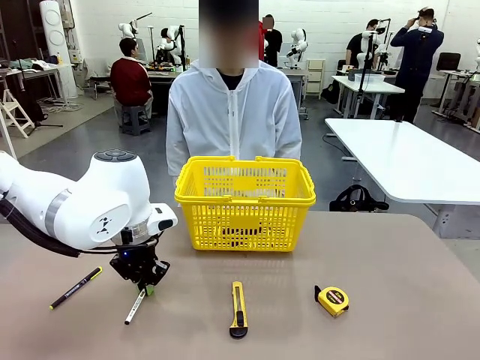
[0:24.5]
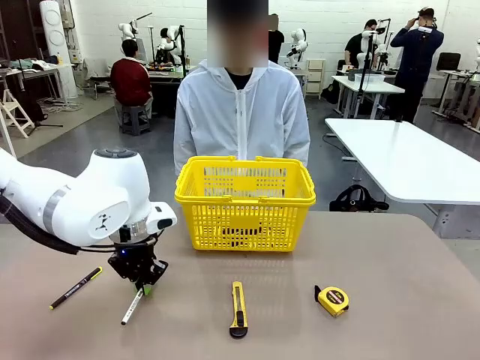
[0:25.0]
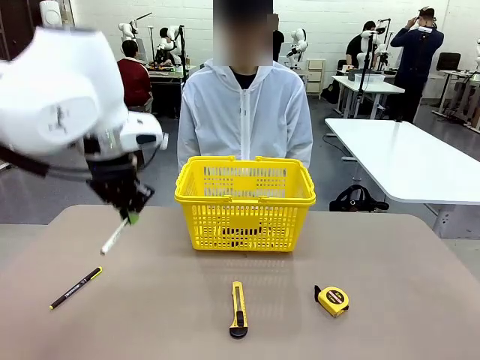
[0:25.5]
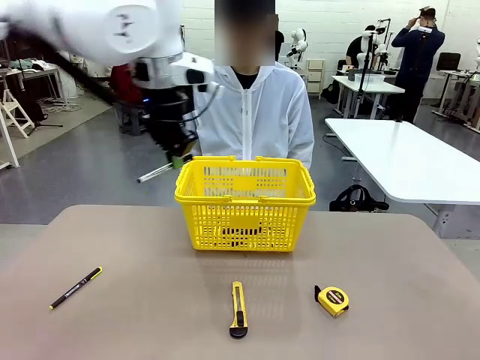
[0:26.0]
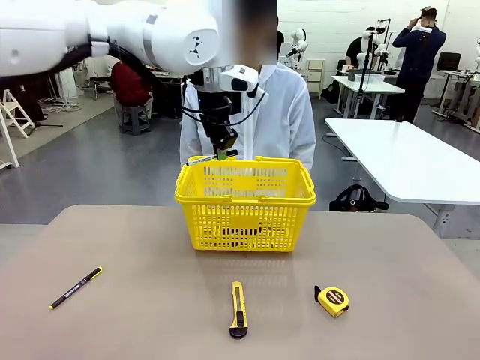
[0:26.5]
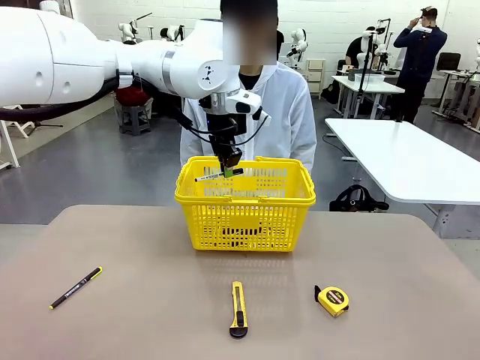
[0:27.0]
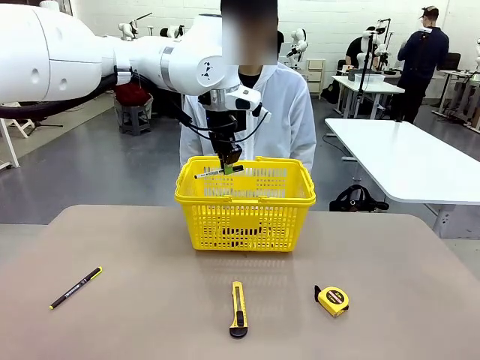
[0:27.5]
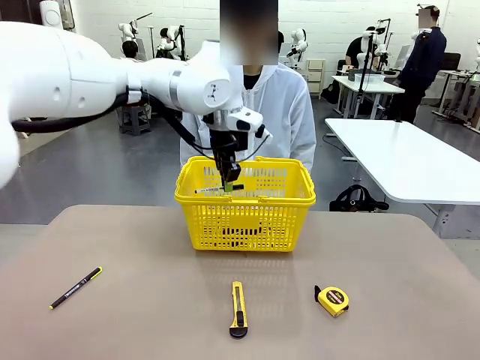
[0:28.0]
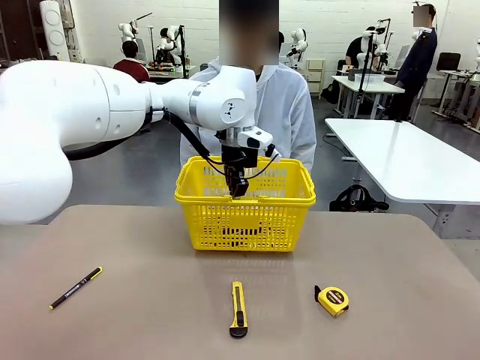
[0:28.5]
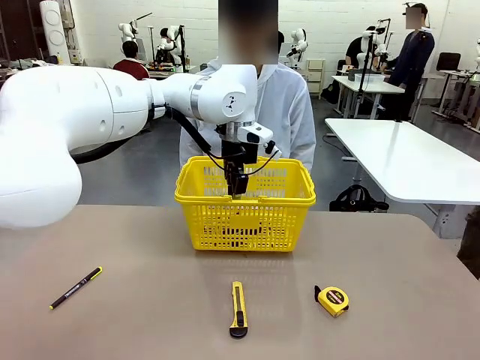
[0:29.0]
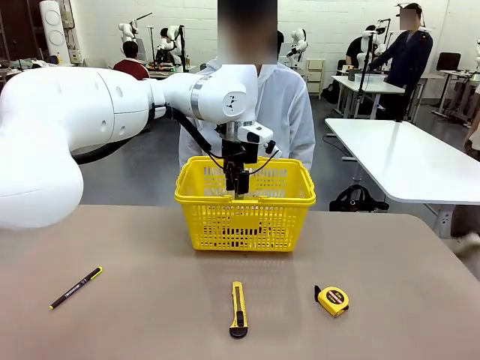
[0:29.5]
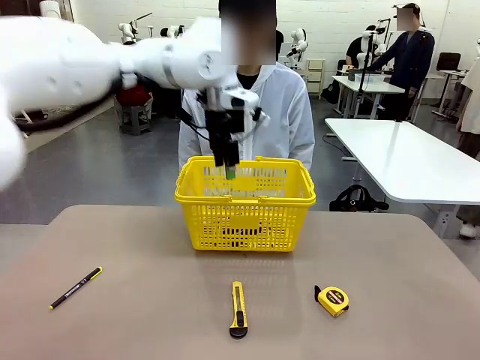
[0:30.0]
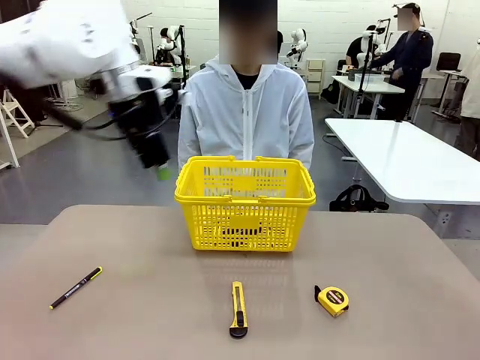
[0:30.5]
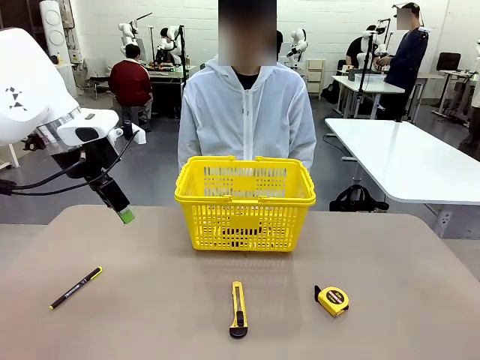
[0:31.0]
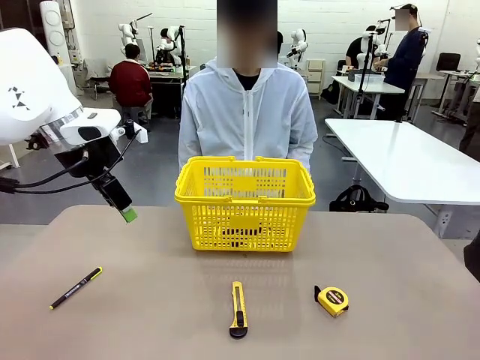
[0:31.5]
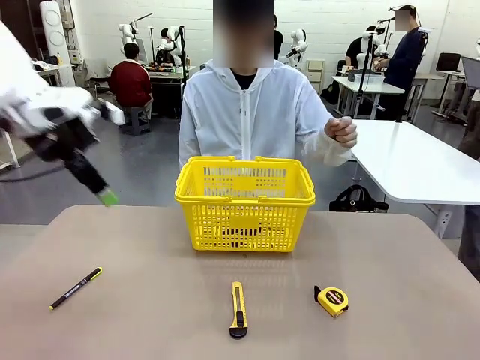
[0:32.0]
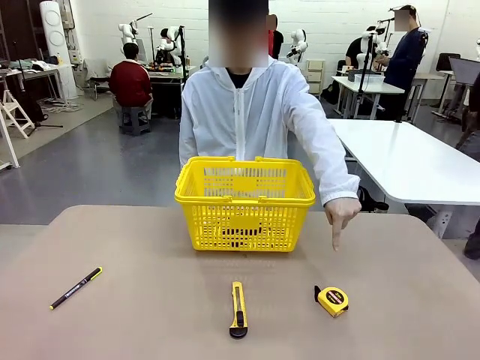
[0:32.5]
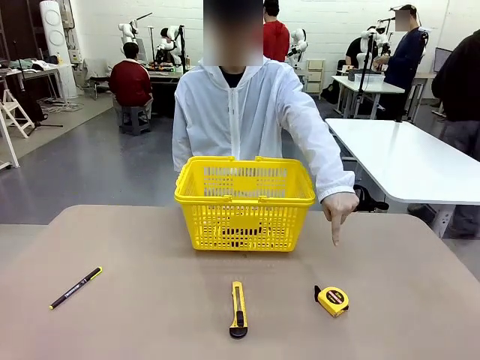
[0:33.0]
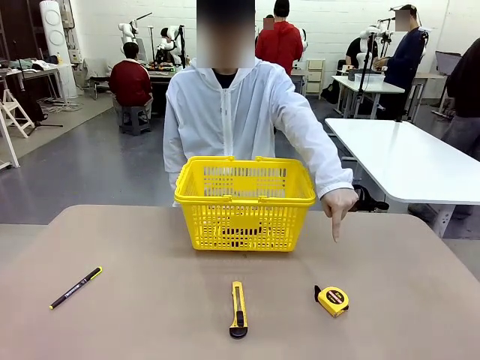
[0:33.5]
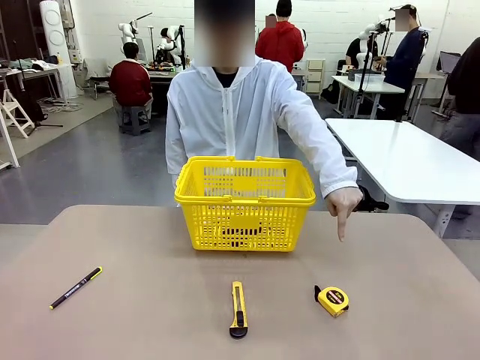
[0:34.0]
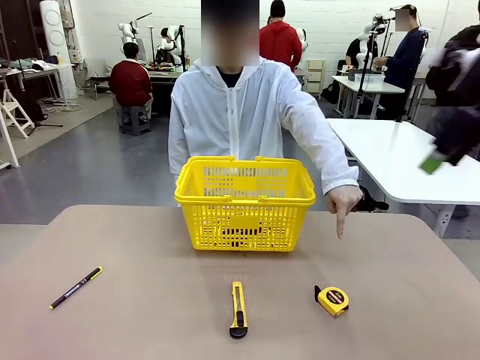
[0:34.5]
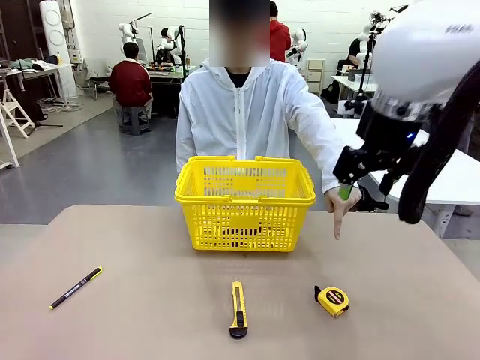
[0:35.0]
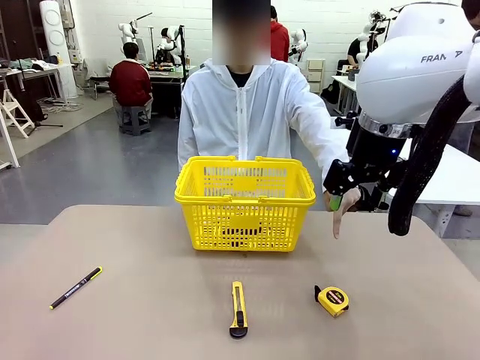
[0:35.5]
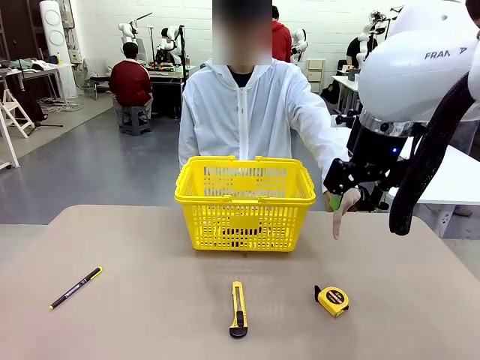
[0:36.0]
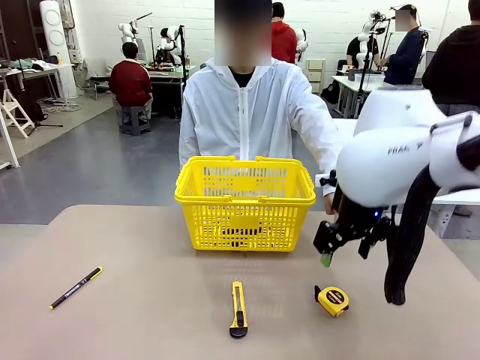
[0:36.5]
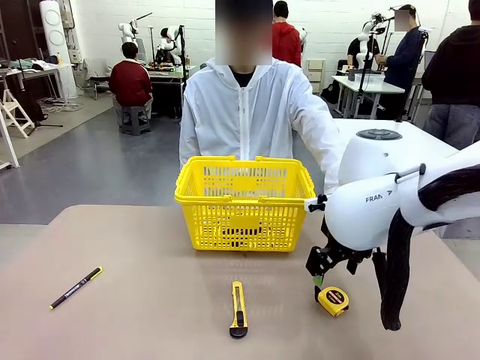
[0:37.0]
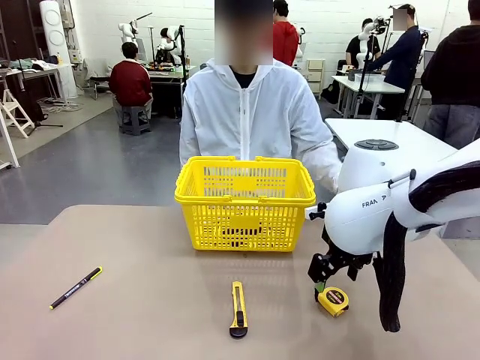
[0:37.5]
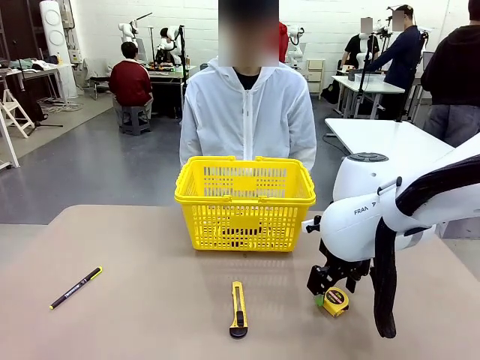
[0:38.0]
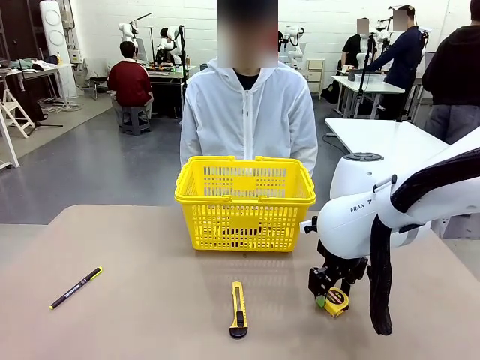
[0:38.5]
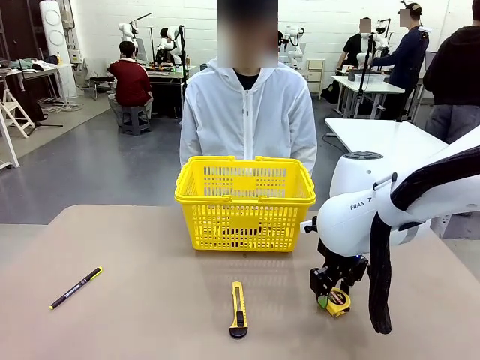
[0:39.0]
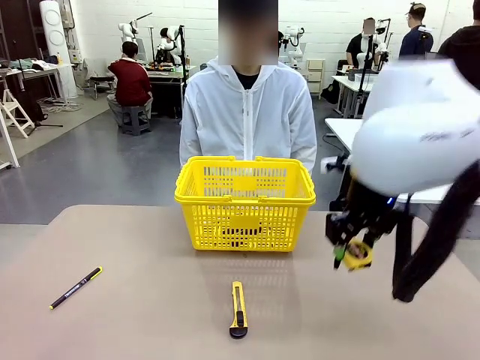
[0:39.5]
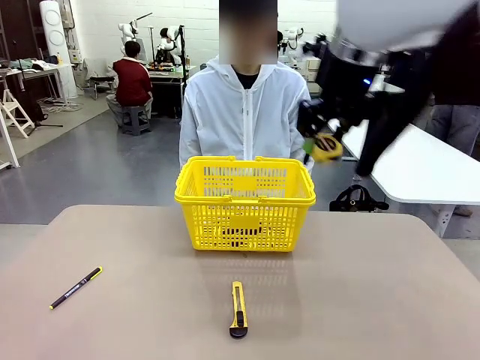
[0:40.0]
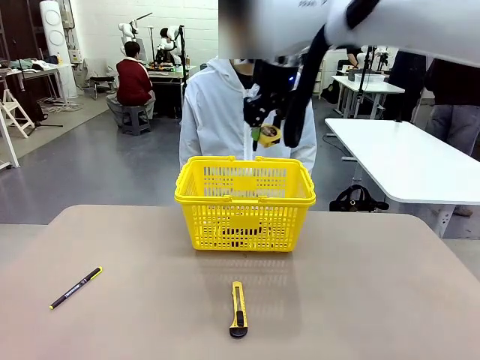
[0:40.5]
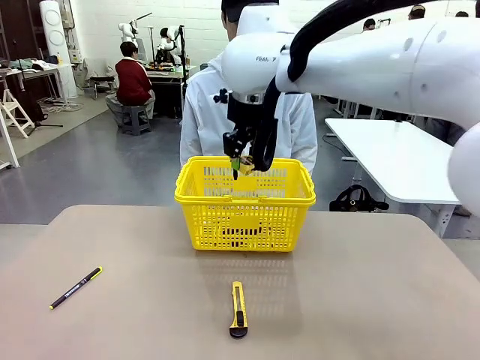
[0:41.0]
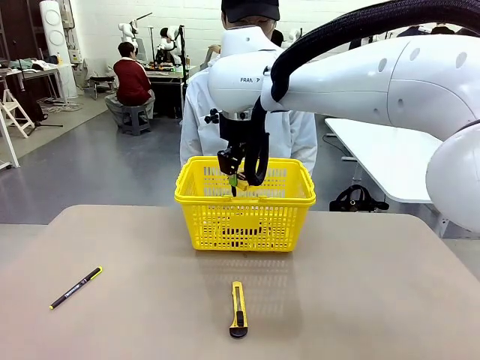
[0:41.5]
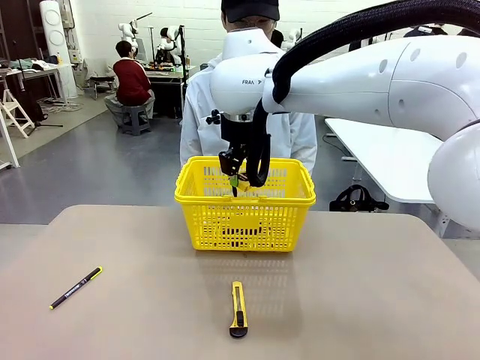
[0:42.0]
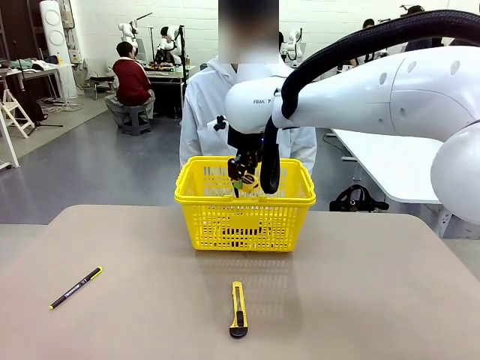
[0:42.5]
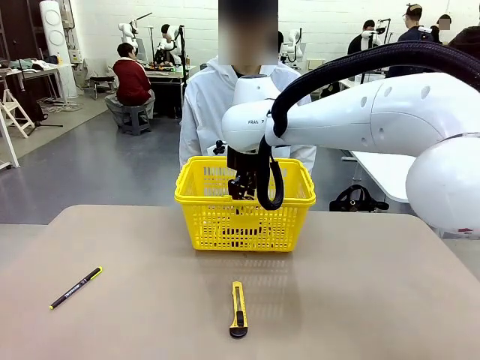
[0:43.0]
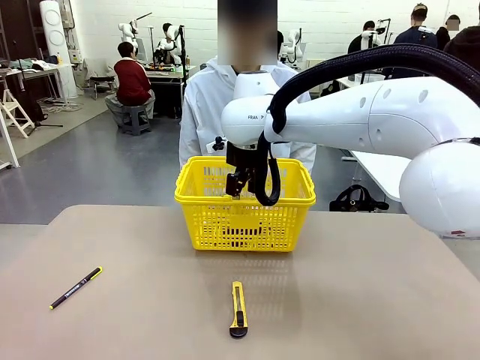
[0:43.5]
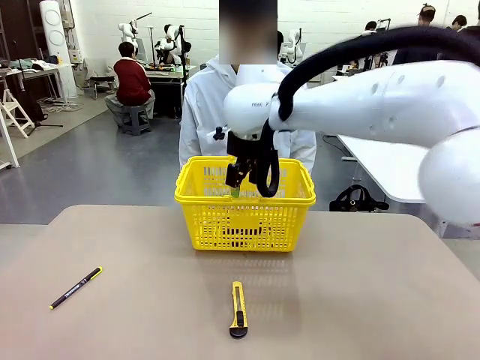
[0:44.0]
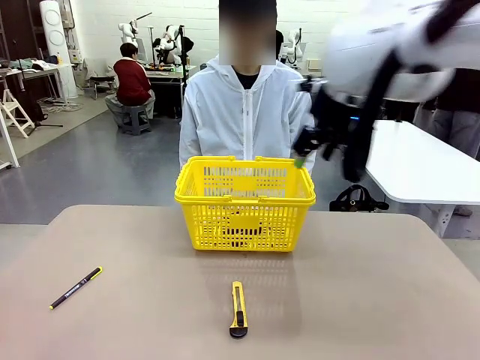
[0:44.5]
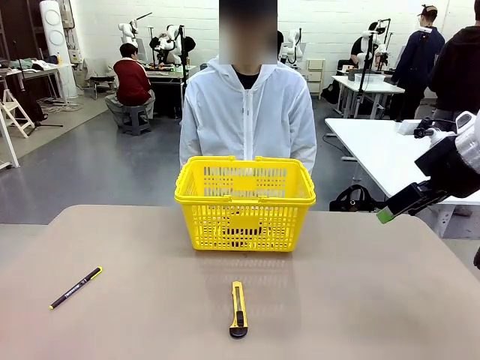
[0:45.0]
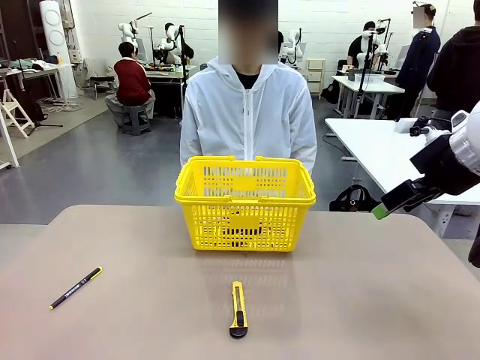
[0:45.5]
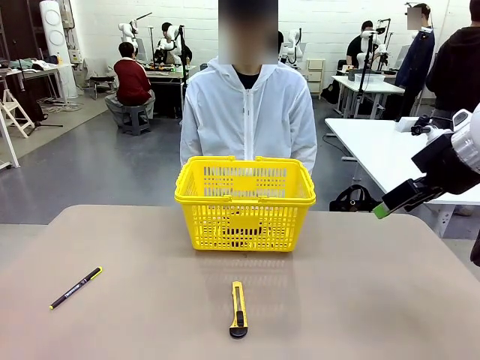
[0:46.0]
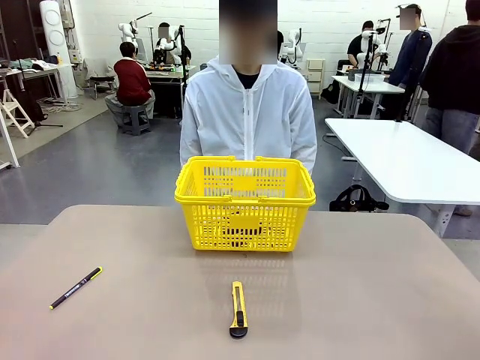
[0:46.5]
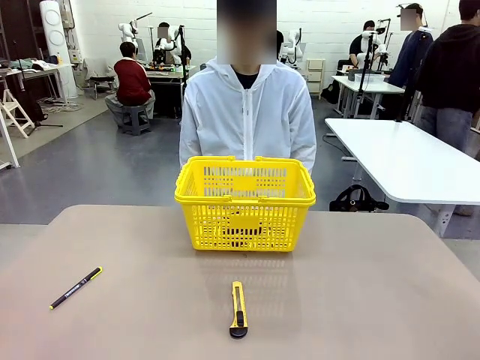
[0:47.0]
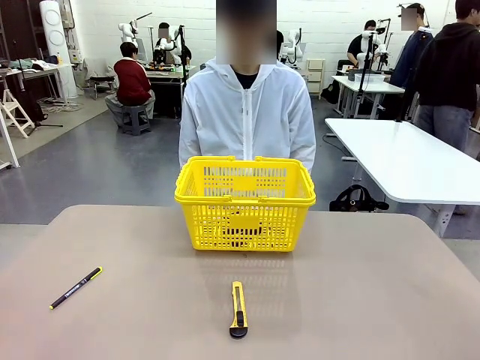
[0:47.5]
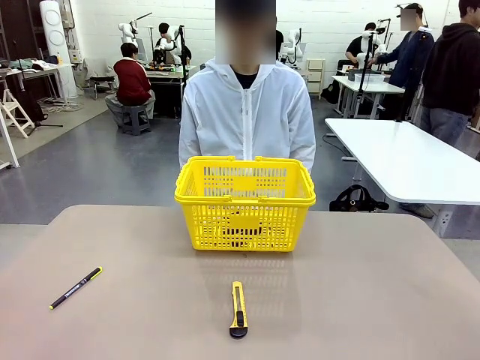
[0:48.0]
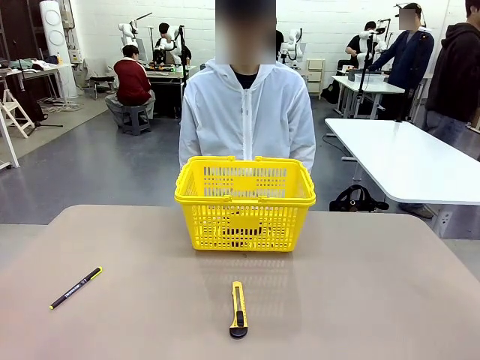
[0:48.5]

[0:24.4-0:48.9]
Task: Place the items the person wants into the basket.
Robot: Pick up the item the person points to and place it in the Market Basket.
Person: Point to one object on the table (excluding the basket).

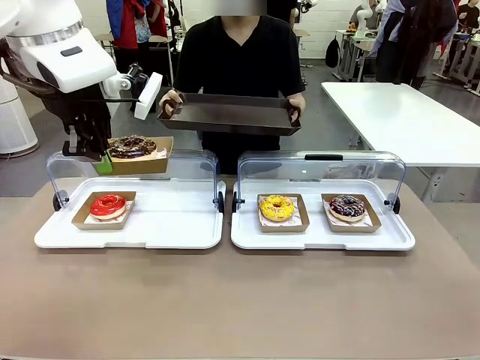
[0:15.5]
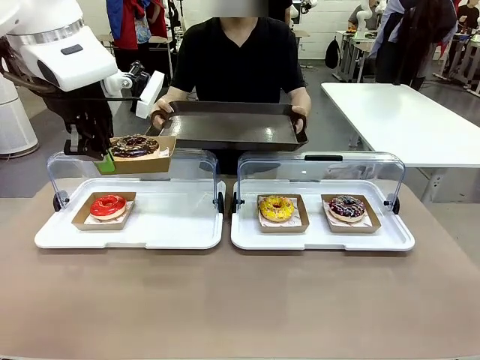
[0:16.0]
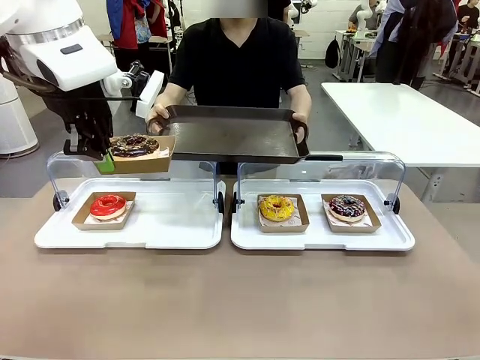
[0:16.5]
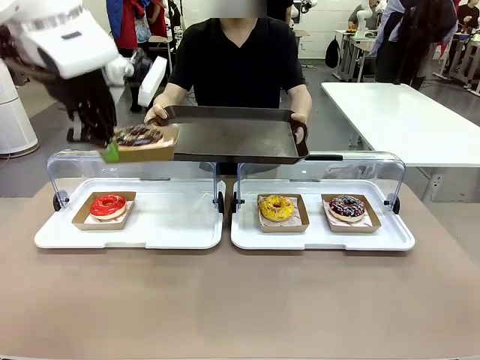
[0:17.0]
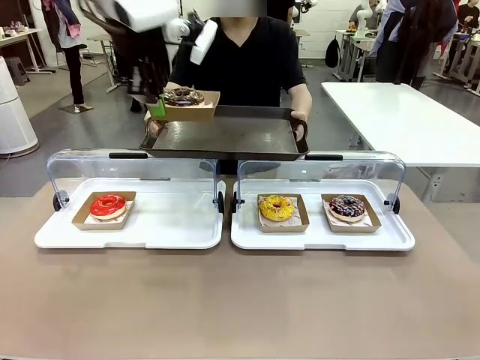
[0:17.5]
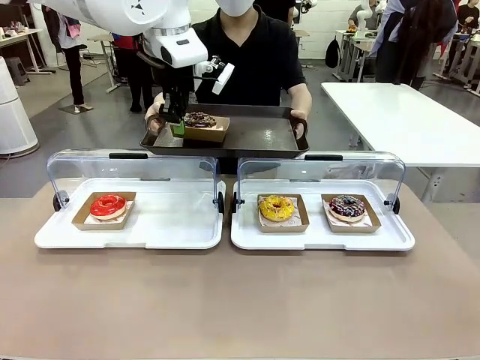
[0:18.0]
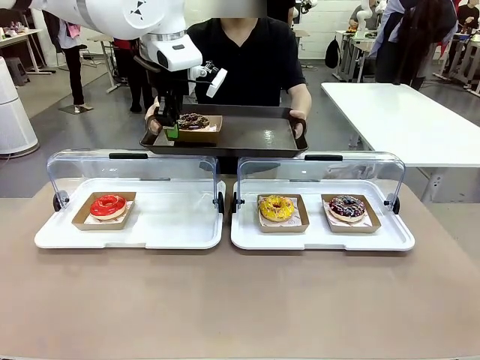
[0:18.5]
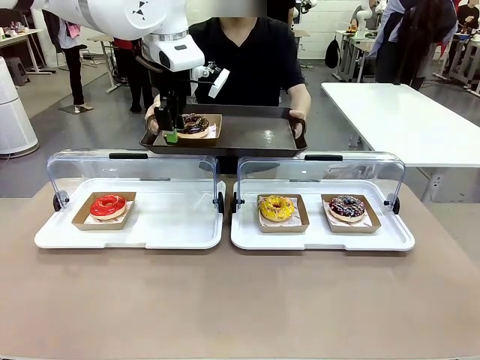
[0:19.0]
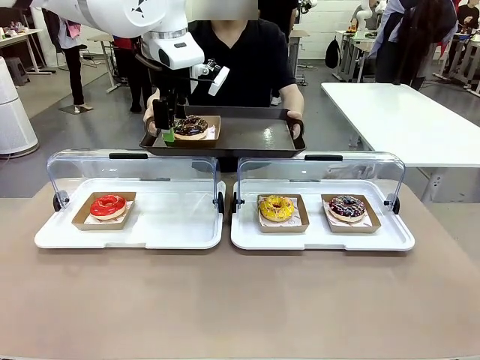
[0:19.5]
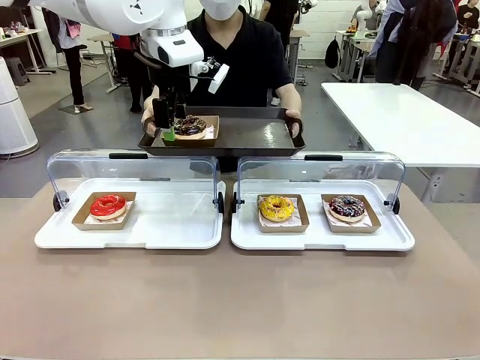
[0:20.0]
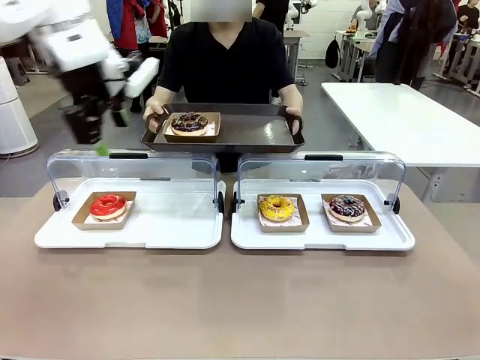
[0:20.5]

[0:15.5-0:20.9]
Task: Provide the desired donut to the person.
Robot: Place the picked Paper togo box onto the Handle tray extended by the person.
